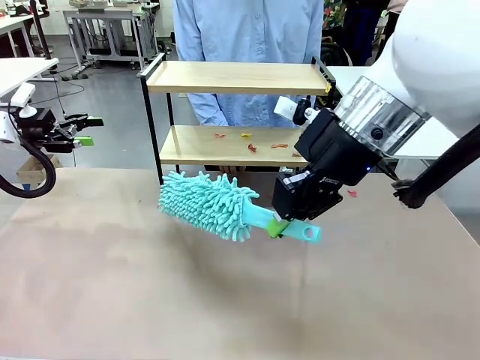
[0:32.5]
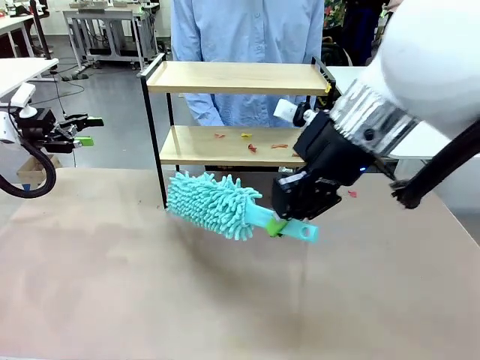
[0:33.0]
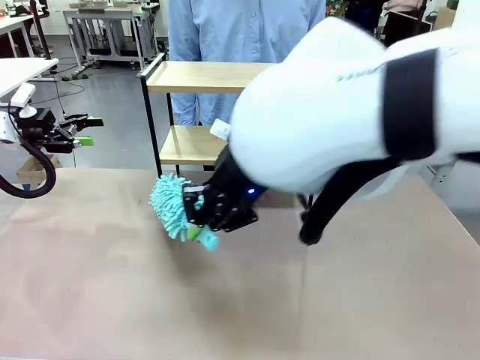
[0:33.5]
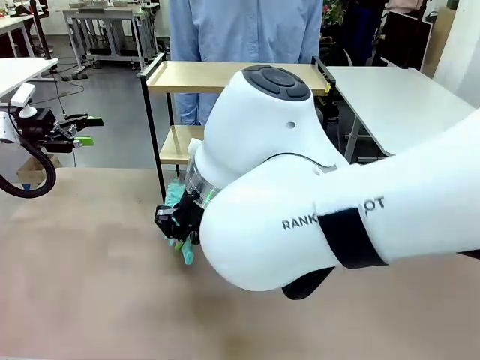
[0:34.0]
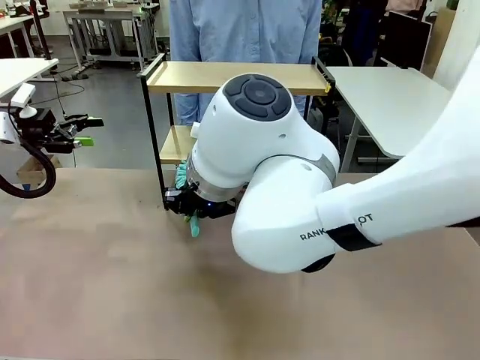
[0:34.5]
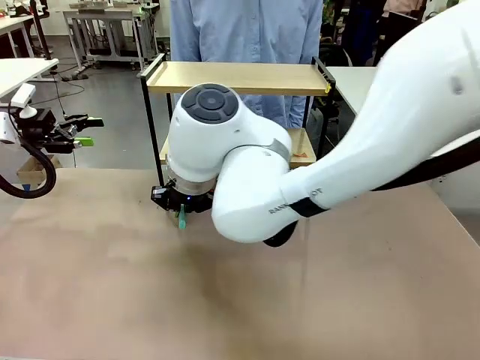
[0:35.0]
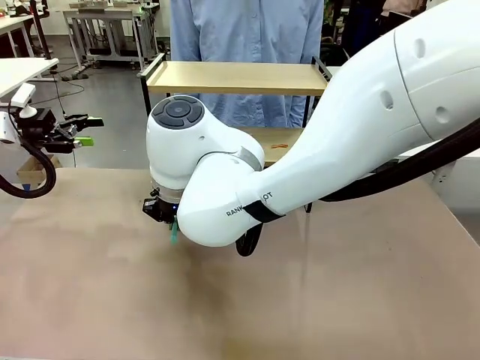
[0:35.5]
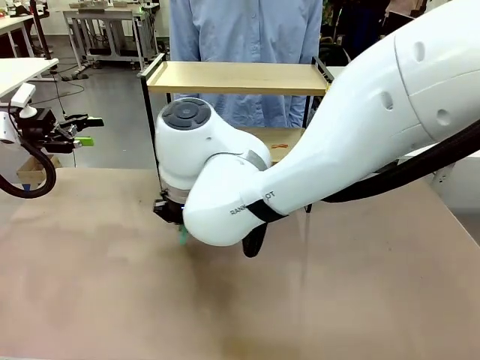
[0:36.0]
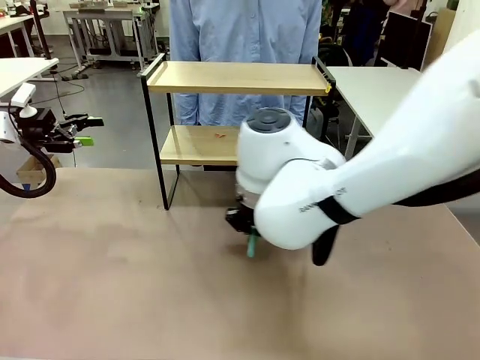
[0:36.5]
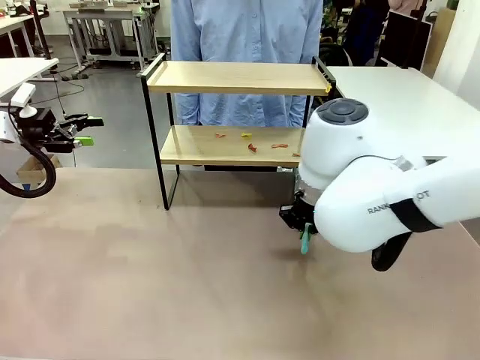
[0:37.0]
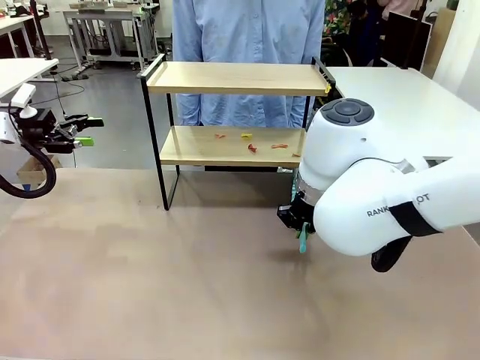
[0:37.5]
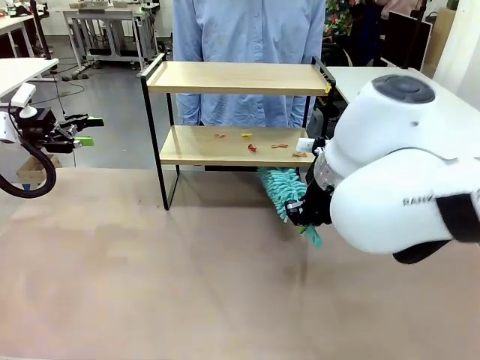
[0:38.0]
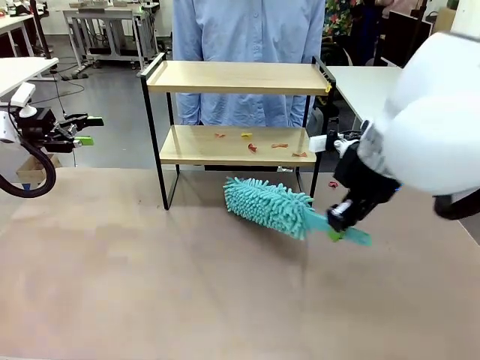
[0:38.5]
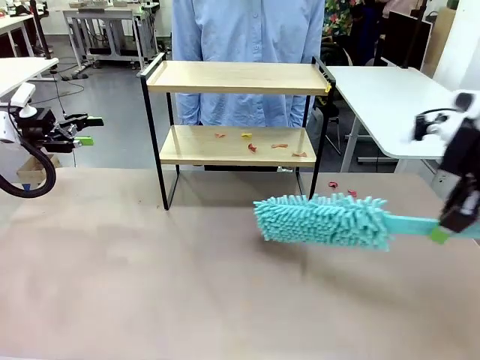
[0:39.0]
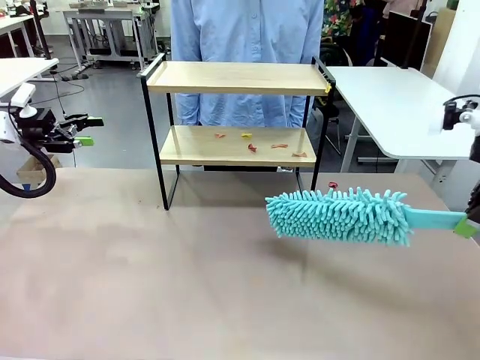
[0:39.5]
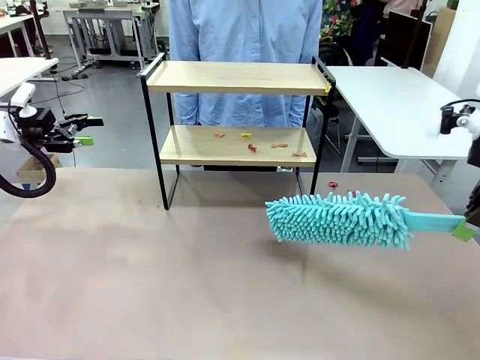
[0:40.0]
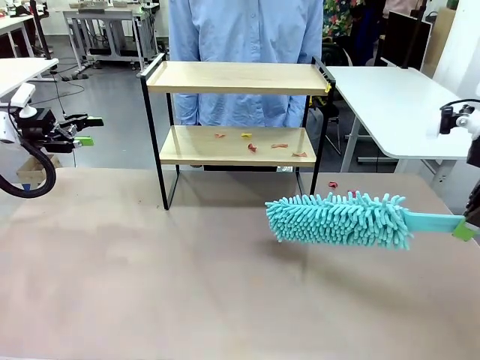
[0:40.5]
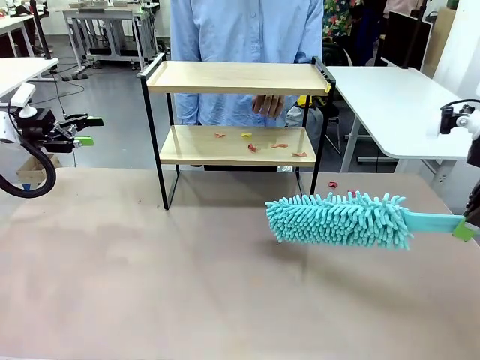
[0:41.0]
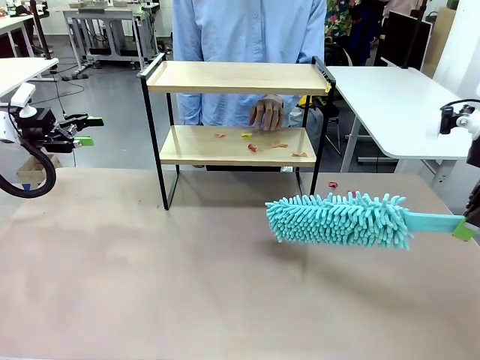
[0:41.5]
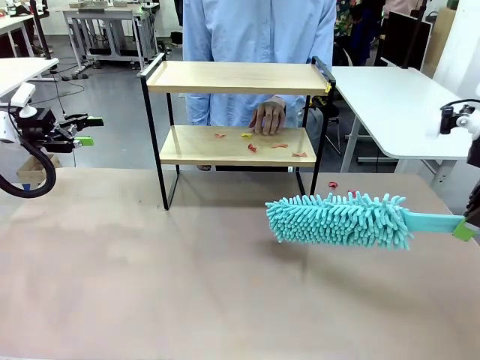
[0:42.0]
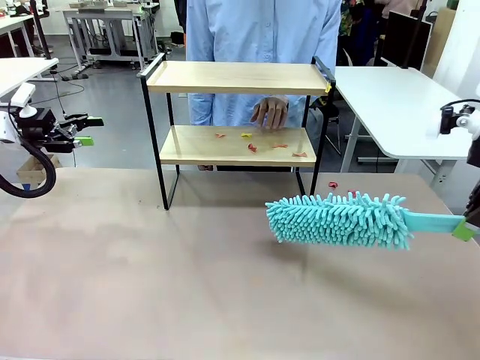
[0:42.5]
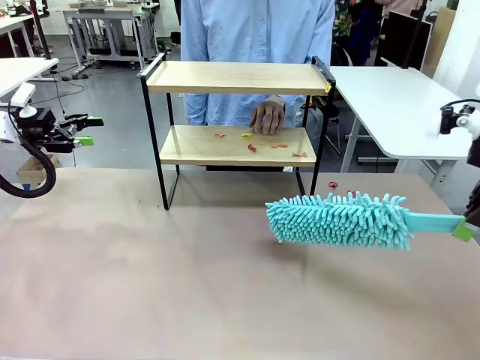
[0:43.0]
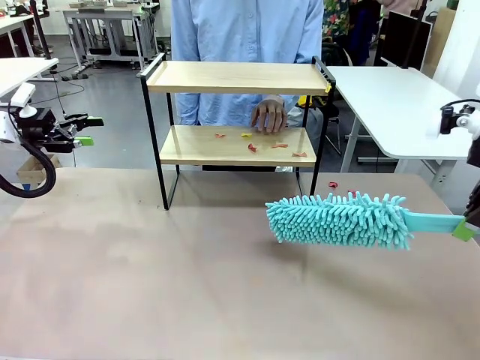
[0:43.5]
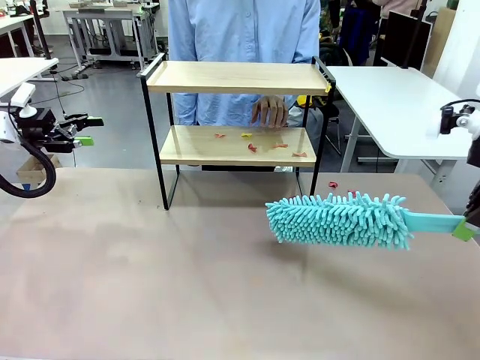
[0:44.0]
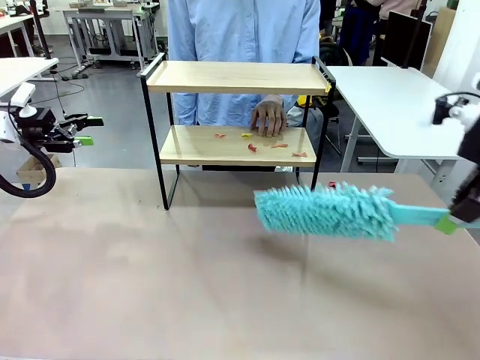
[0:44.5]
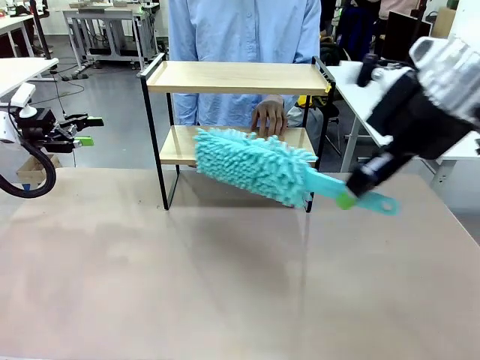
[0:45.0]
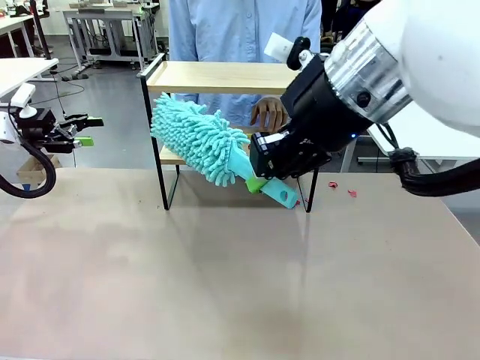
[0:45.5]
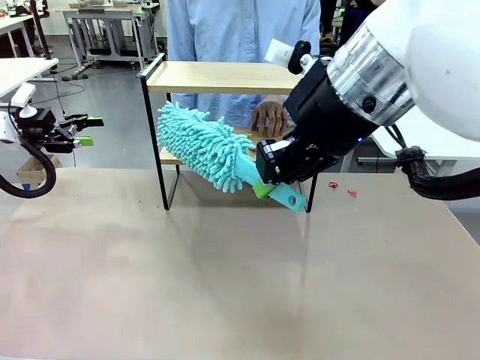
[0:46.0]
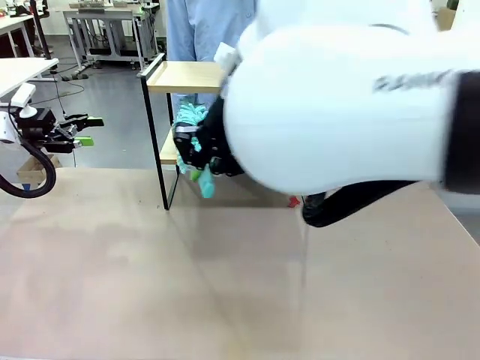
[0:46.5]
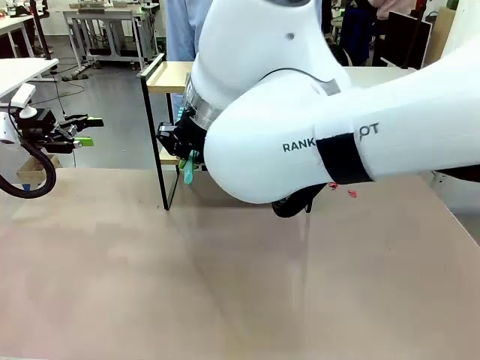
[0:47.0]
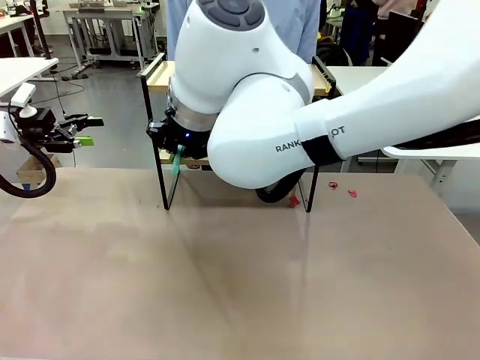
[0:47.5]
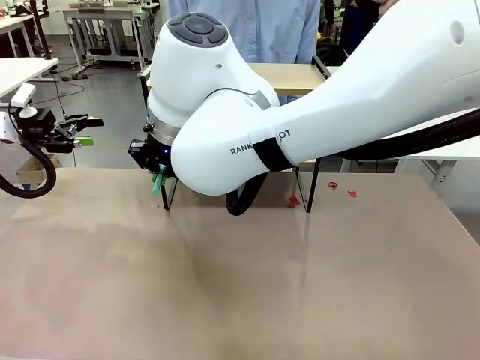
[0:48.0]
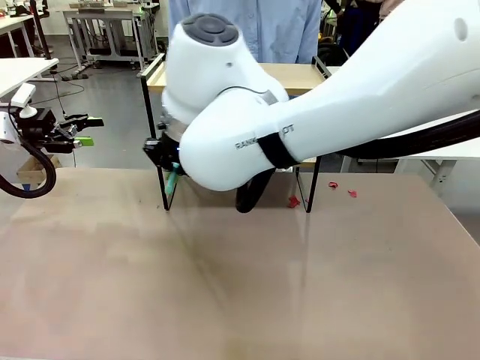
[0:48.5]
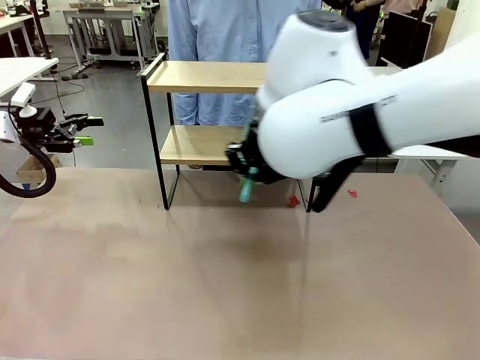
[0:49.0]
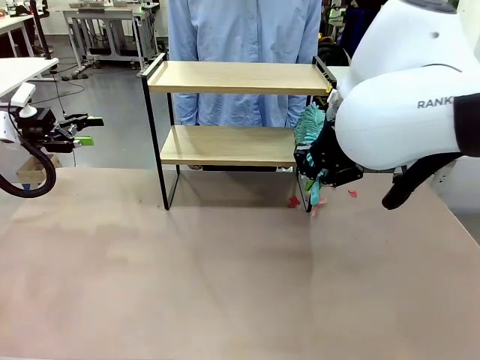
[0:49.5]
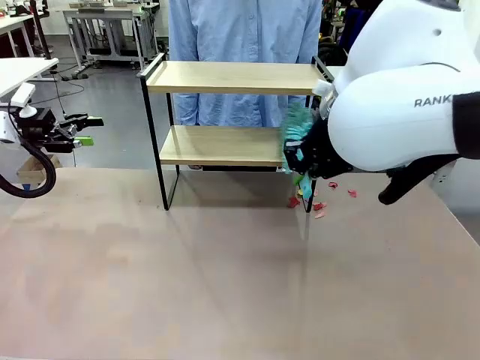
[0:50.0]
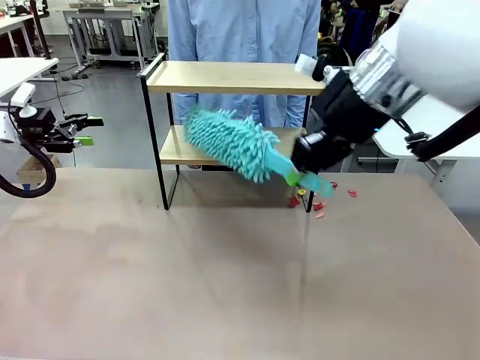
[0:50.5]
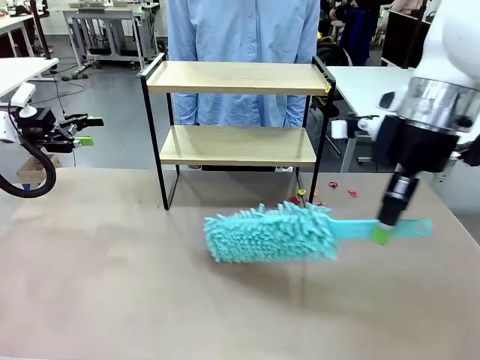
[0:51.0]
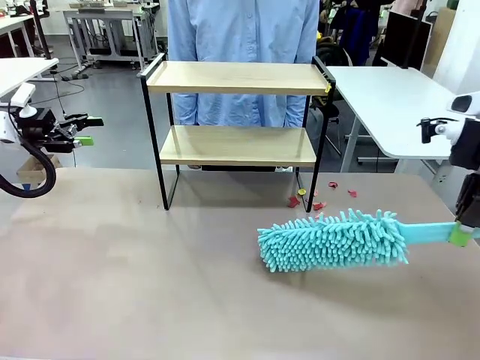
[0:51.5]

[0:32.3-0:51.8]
Task: Clean the shelf.
Robot: Clean the specific section of the Shelf indicated by the human with the Duster.
Person: Point a remaining section of the Shelf.

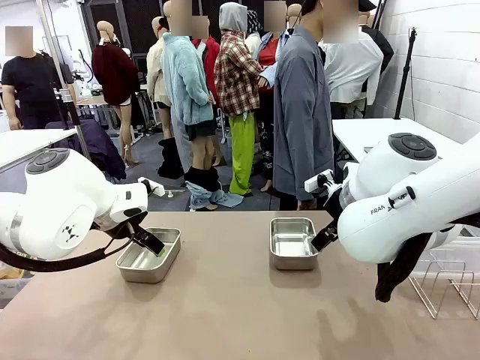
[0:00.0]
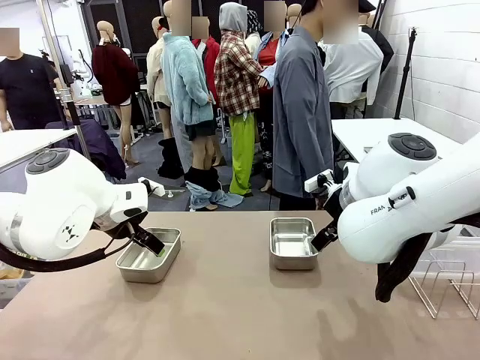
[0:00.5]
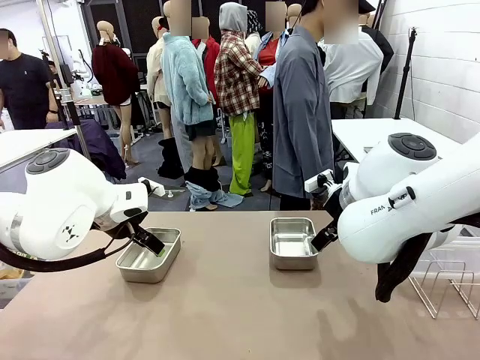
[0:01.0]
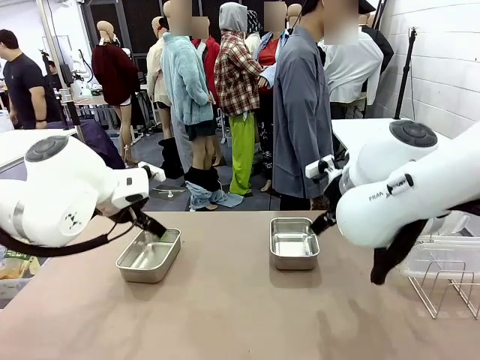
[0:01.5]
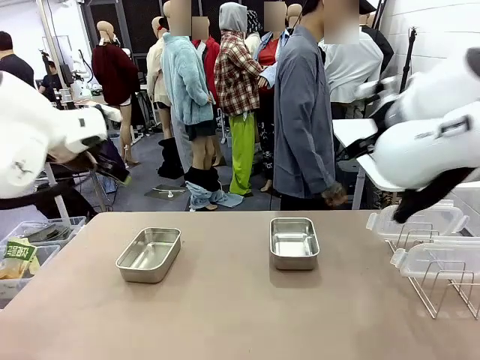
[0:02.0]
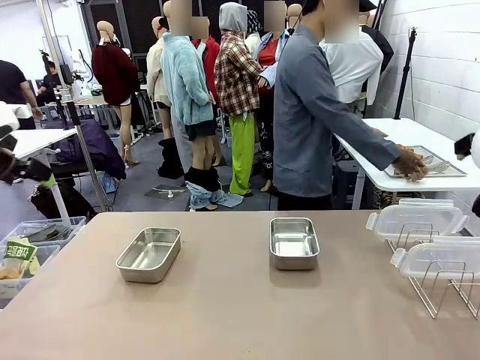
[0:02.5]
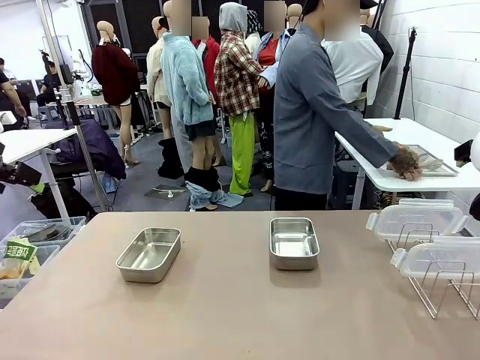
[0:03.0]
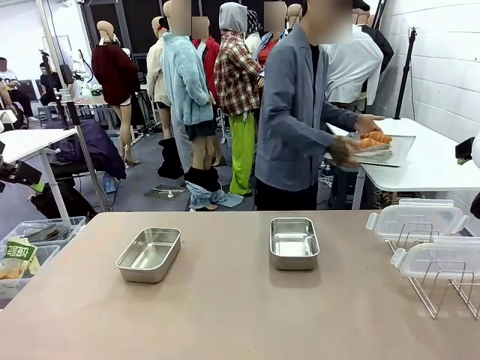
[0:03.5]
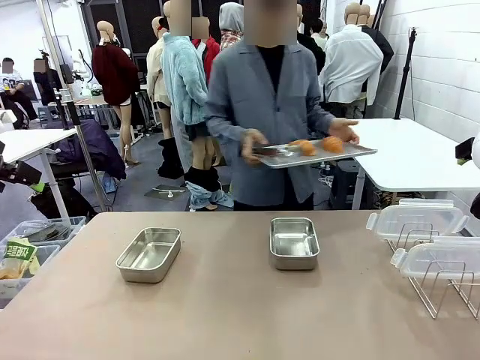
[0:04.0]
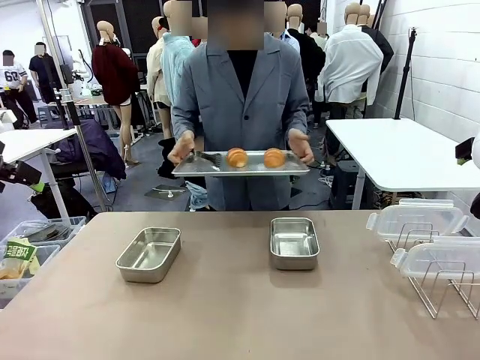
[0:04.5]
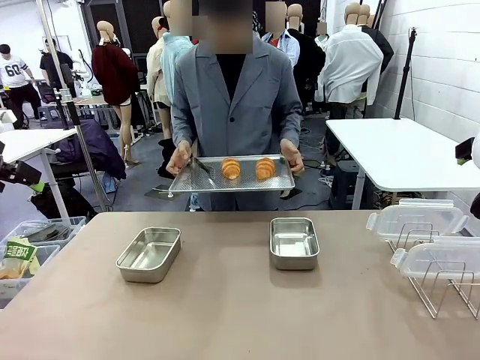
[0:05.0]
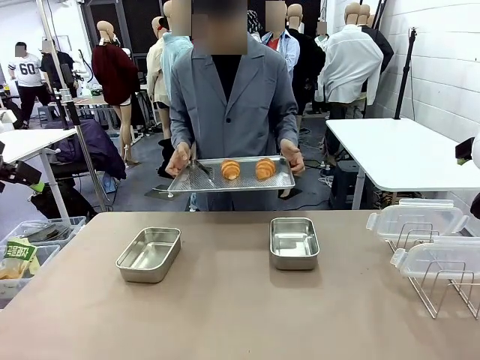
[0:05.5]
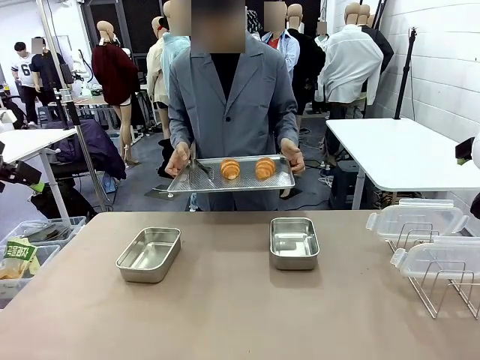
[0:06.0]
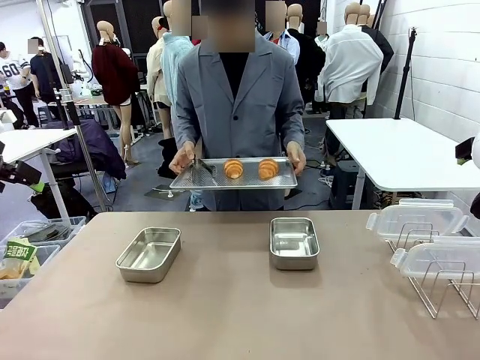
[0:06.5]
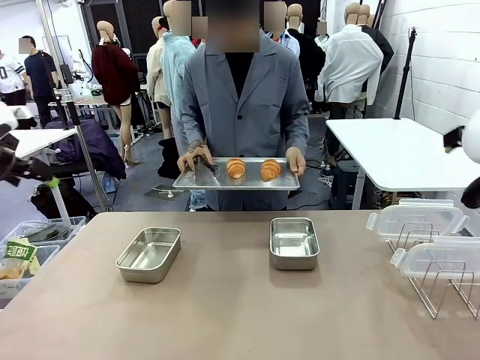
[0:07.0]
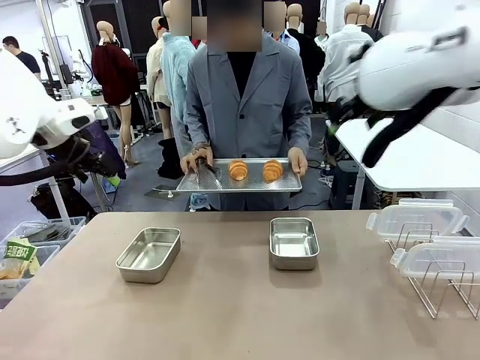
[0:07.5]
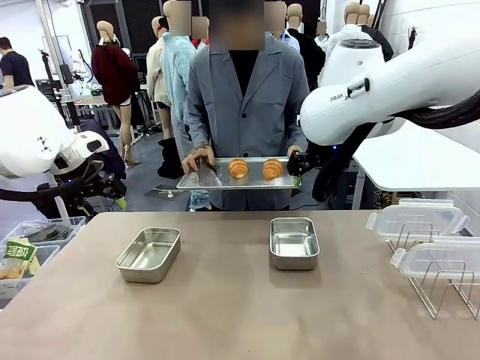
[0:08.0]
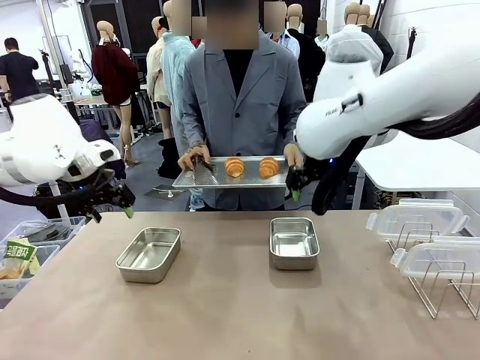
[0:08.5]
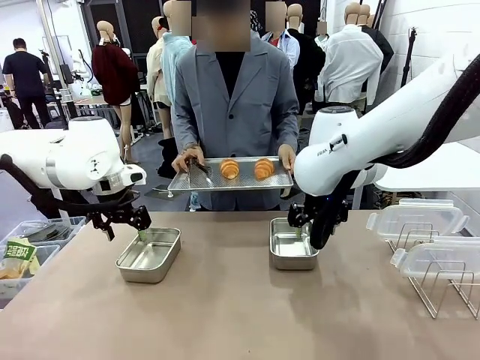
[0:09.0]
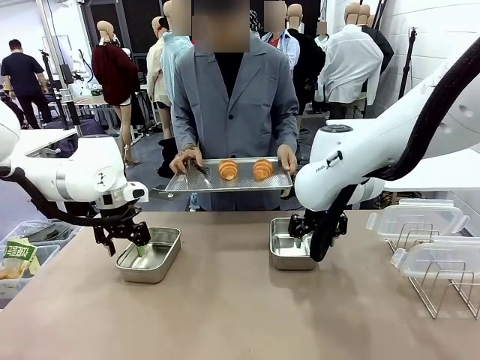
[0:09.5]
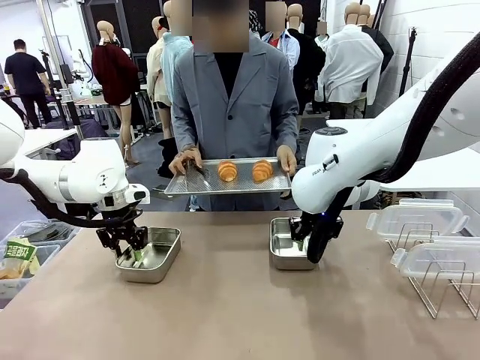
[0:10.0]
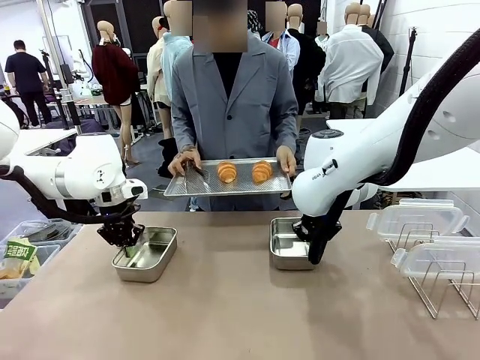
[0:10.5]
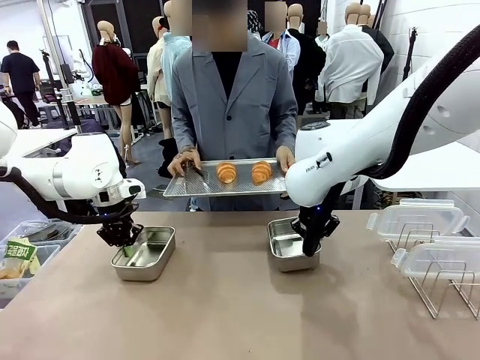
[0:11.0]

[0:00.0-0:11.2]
Task: Place the bread in airtight containers.
Robot: Lift both Airtight Container.
Person: Bring the Baking Sheet in front of Robot's Table.
